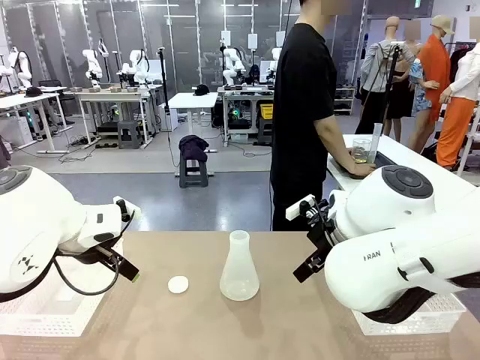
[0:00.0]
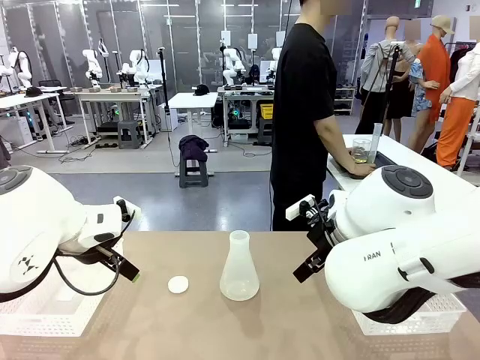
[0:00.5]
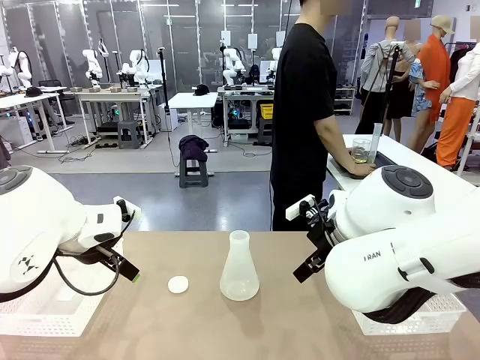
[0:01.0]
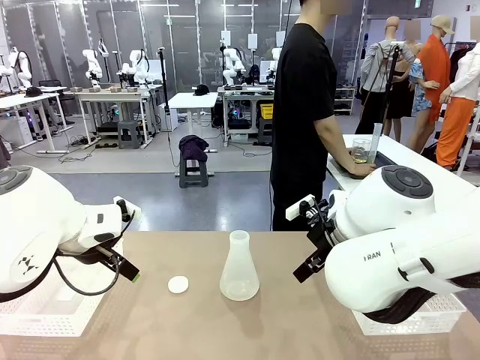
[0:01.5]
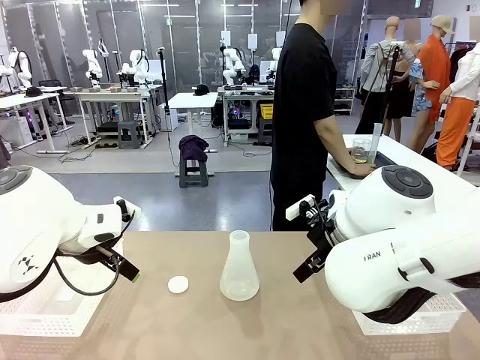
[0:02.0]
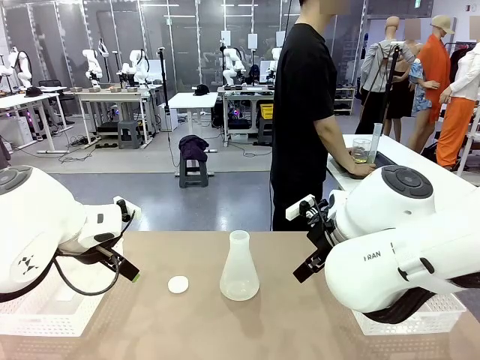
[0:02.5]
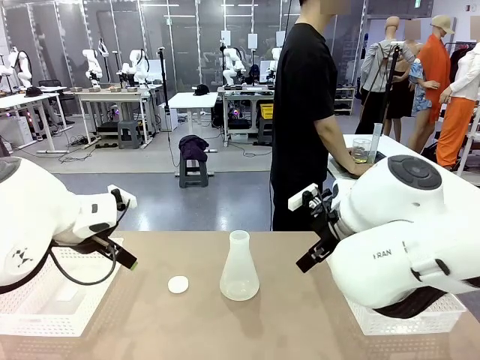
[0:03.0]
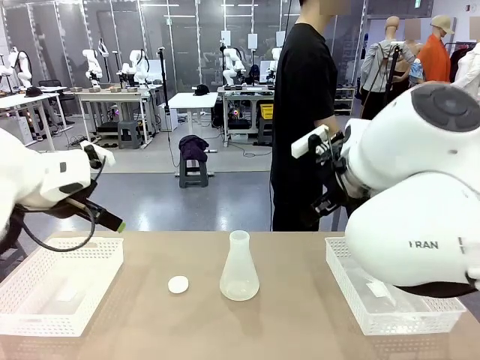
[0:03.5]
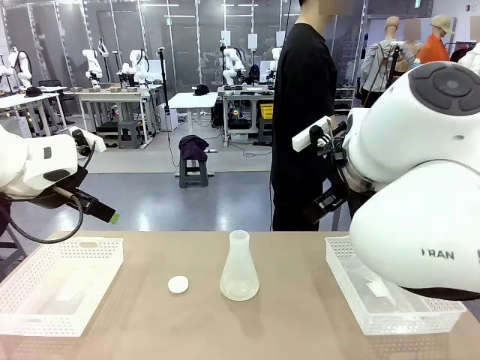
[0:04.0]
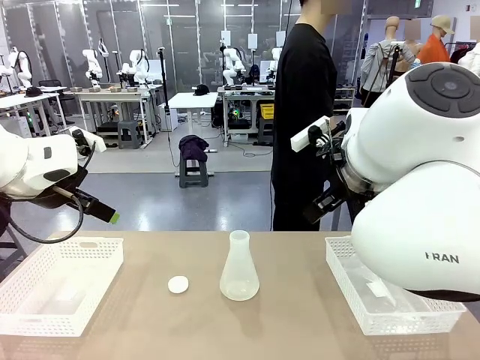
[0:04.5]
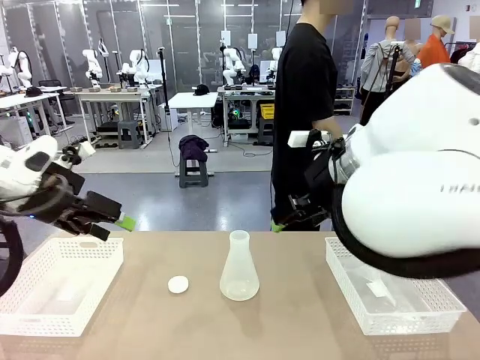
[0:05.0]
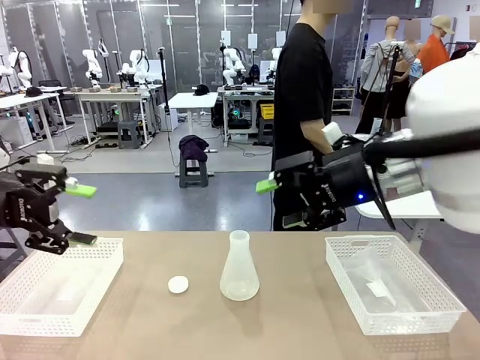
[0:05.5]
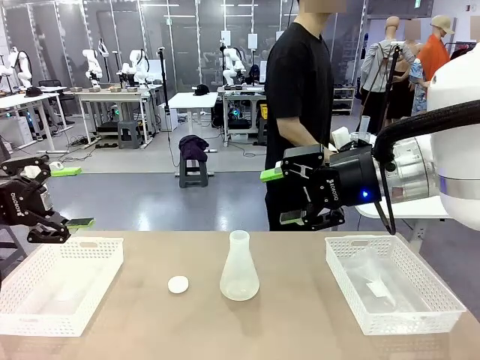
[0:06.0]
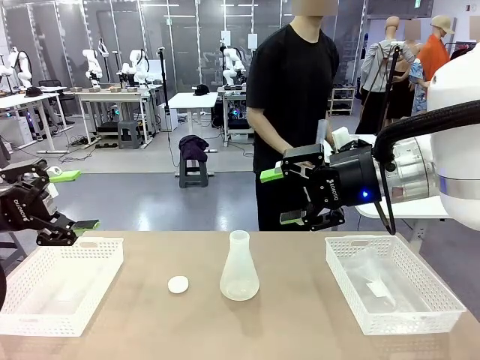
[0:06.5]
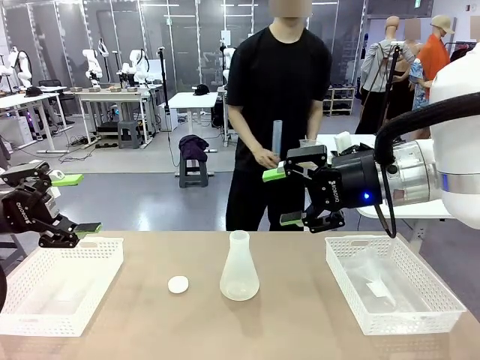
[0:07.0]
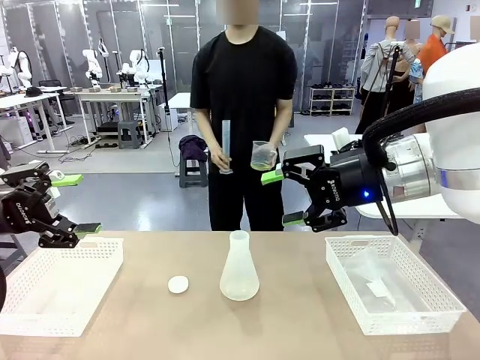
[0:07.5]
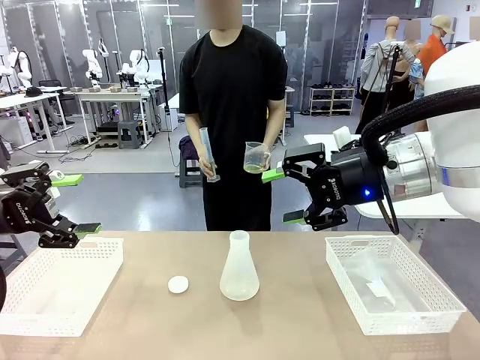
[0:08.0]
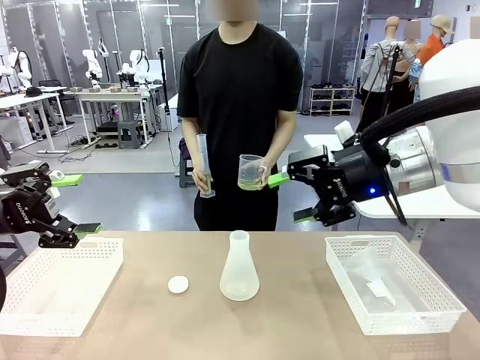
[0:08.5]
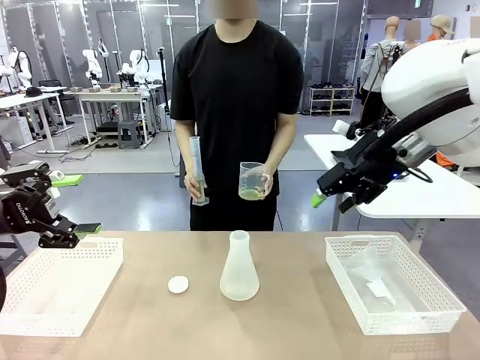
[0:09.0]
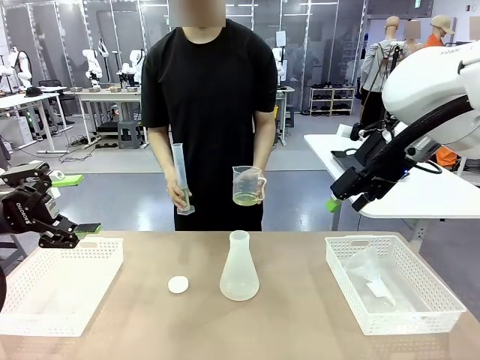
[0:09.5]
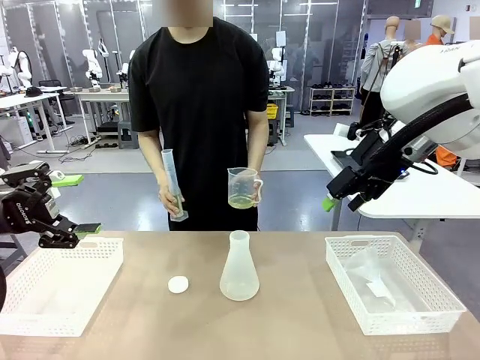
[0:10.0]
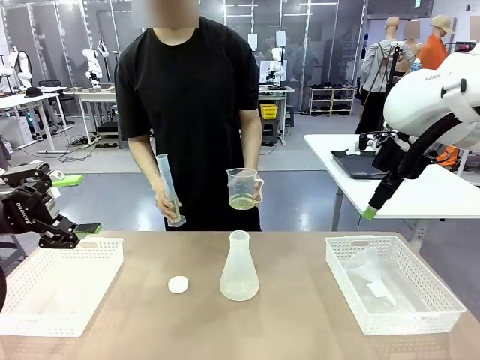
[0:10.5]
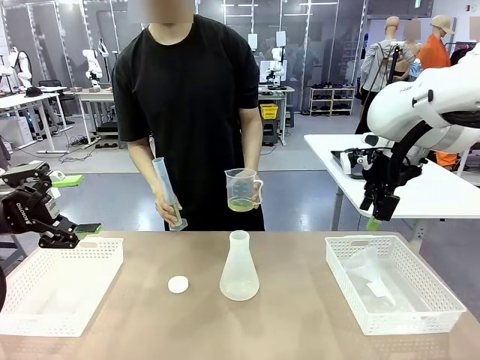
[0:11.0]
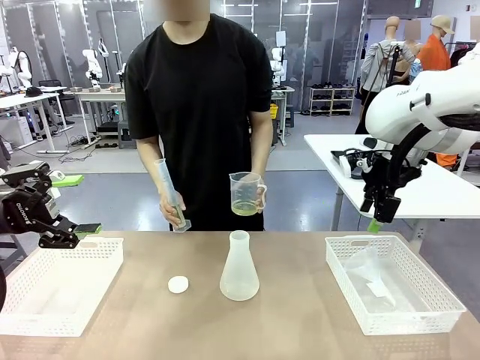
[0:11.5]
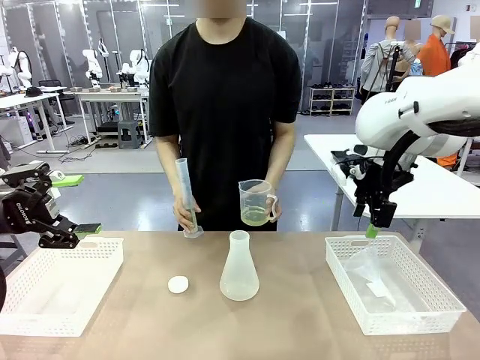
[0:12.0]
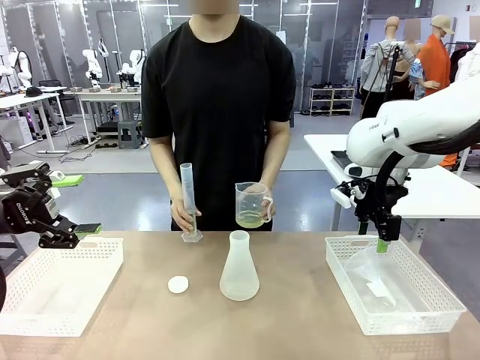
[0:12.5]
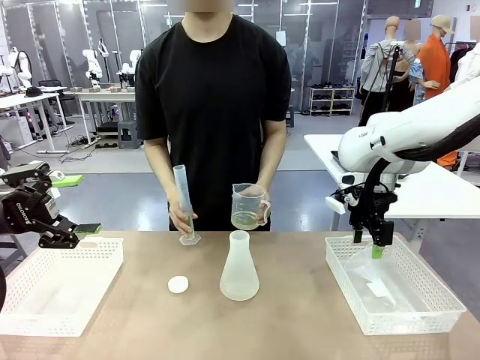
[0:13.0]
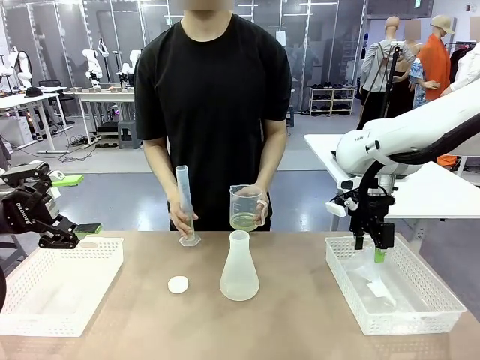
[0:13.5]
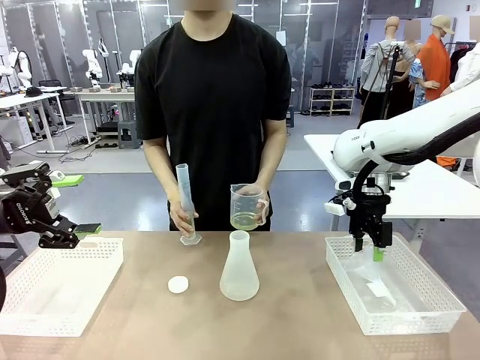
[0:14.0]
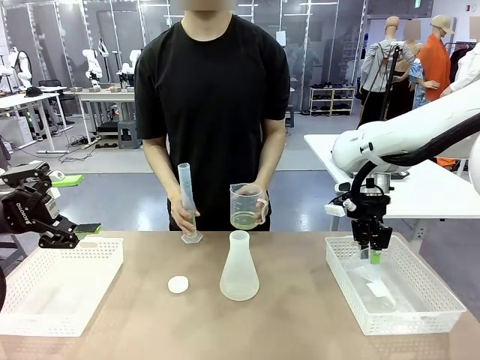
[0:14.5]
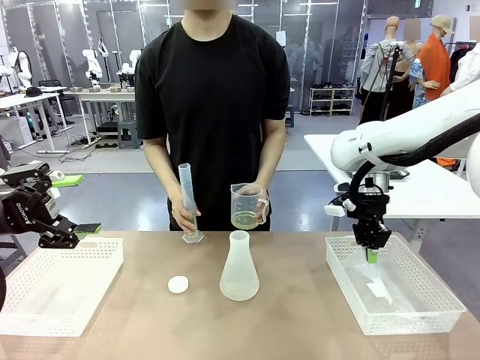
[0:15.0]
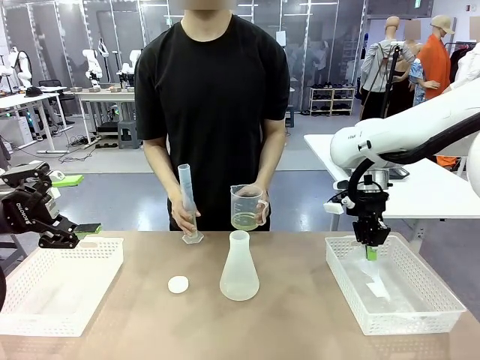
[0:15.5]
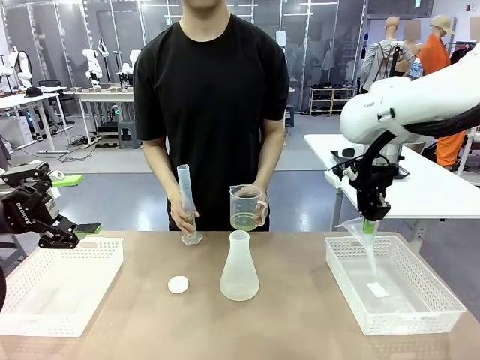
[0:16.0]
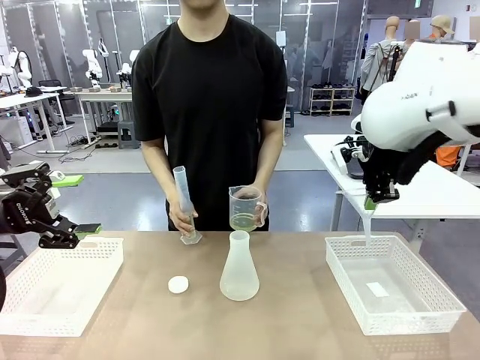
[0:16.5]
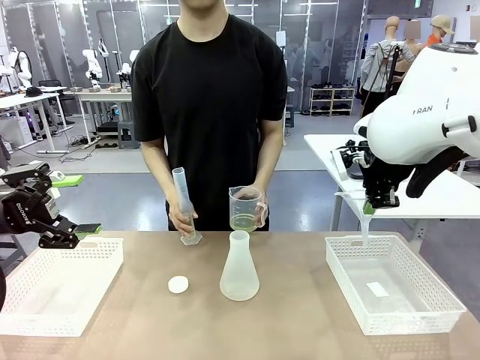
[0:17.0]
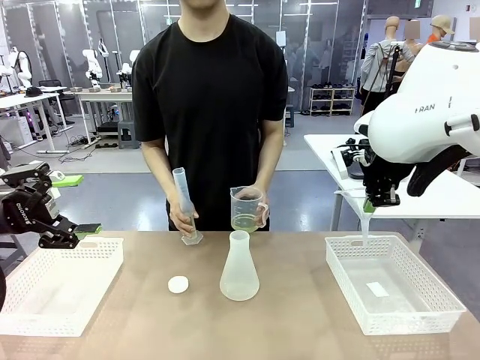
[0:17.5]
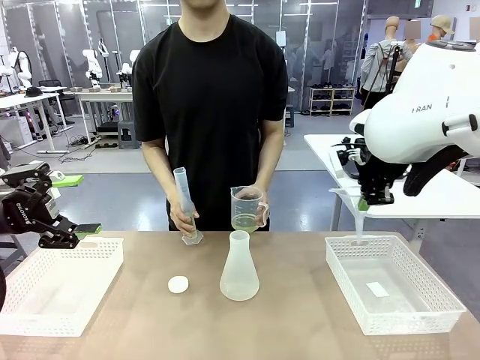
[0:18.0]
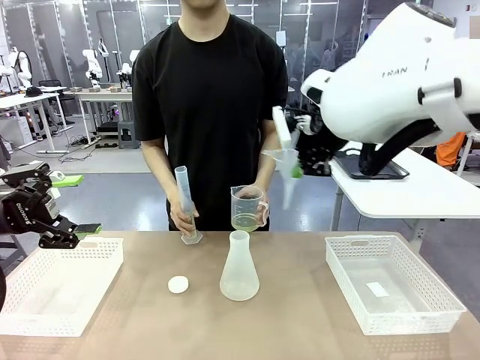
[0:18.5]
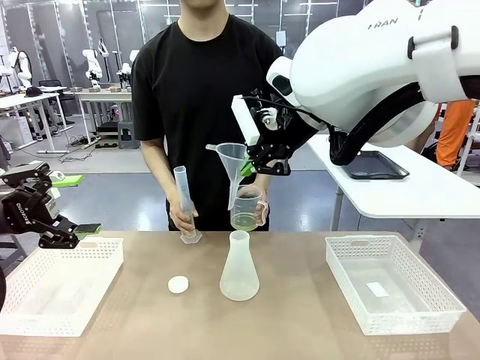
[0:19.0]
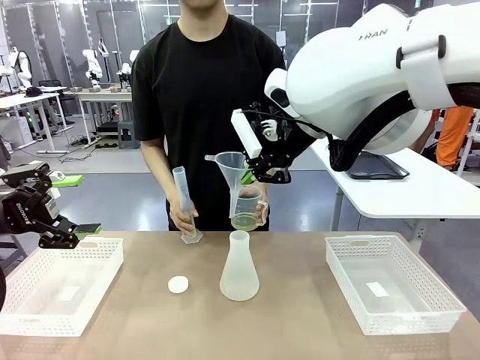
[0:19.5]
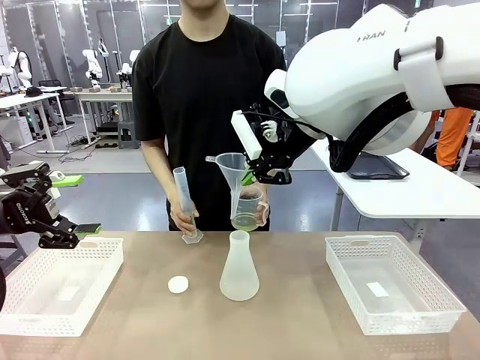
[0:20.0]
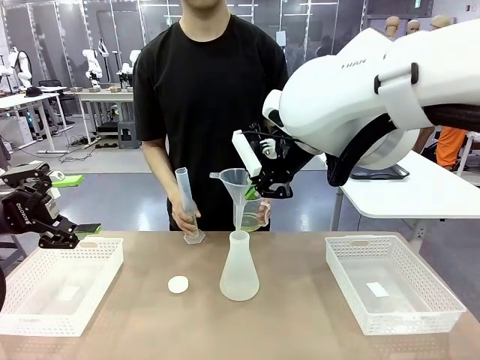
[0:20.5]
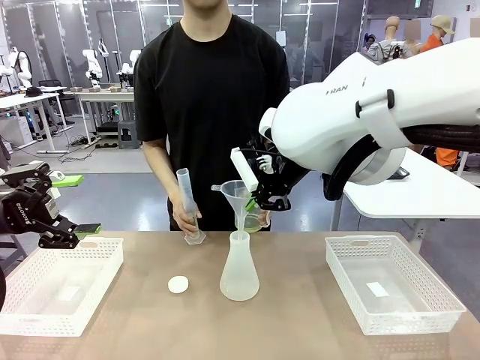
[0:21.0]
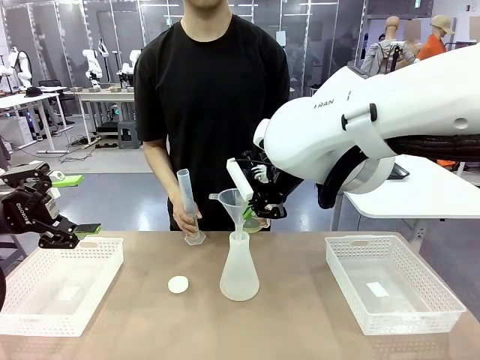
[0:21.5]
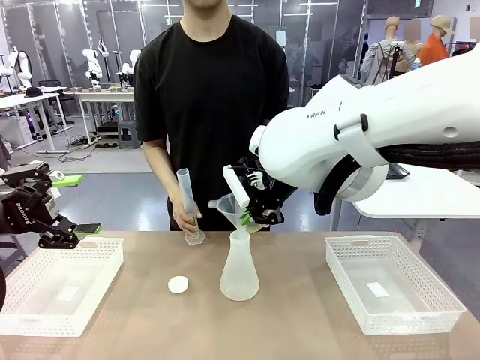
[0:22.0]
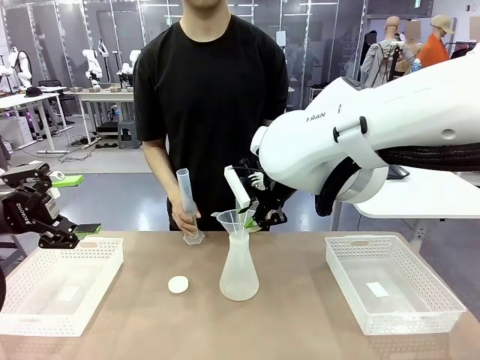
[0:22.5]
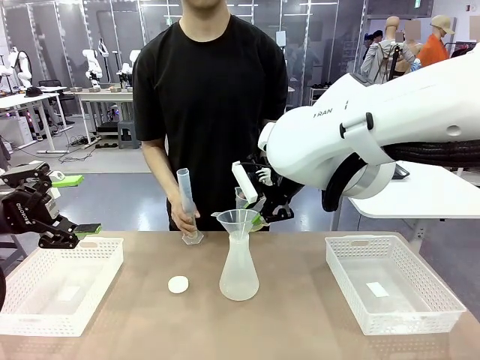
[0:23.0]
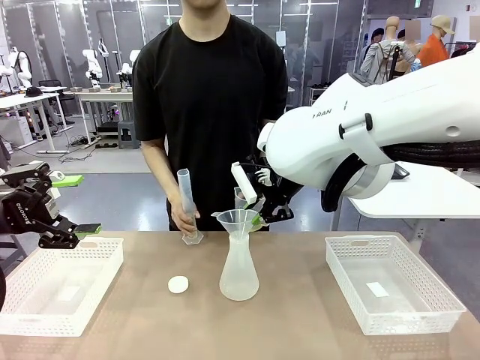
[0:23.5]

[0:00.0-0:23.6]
Task: Prepare the solutions needed for the experiment.
Robot: Pick up the Plastic Funnel and insert it into the Big flask.
Person: Pick up the beaker and the cylinder and move to the middle of the robot table. Pour the solution from the beaker and the cylinder into the flask.
